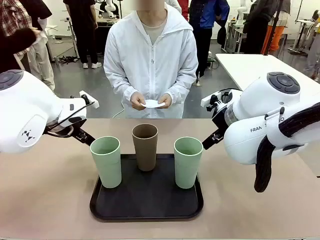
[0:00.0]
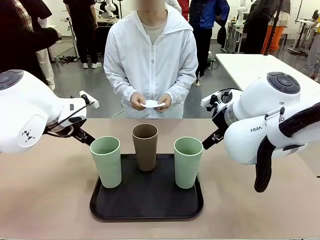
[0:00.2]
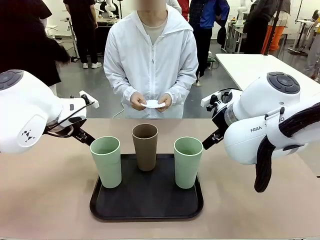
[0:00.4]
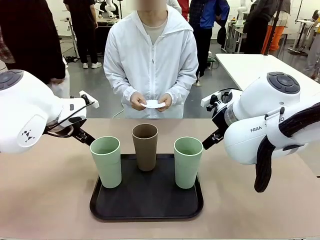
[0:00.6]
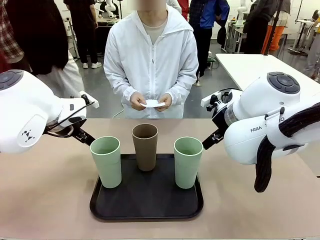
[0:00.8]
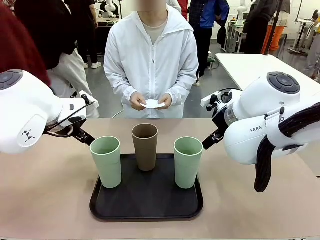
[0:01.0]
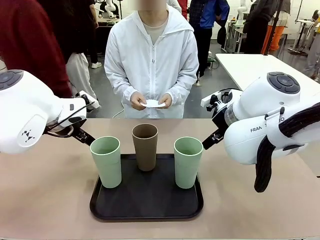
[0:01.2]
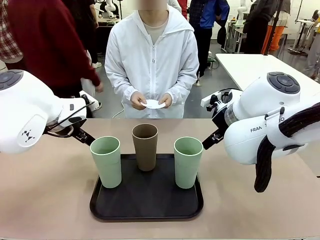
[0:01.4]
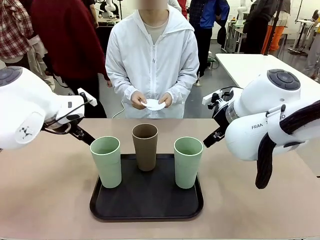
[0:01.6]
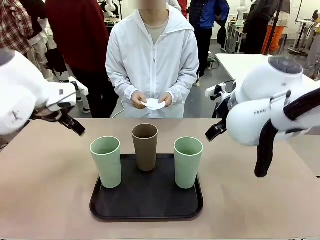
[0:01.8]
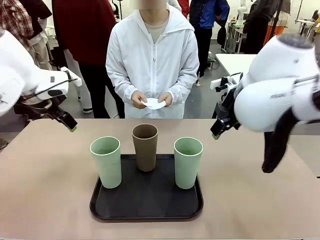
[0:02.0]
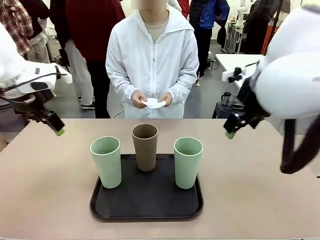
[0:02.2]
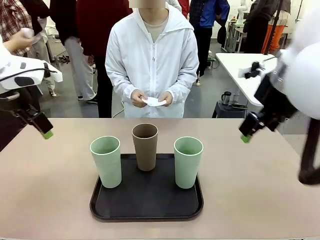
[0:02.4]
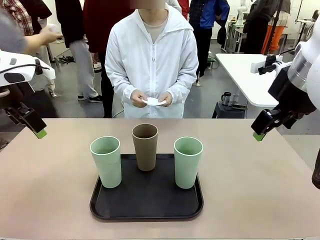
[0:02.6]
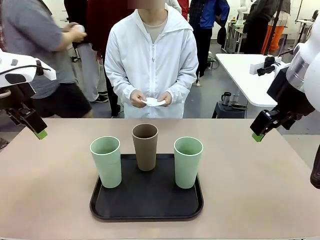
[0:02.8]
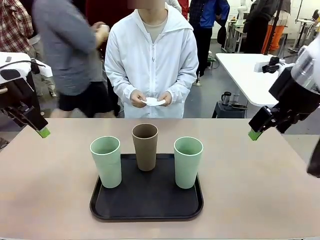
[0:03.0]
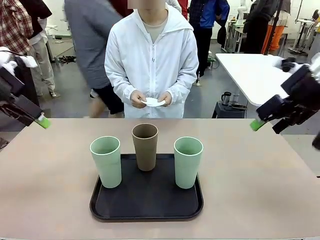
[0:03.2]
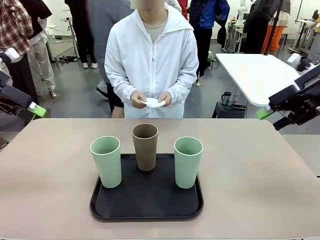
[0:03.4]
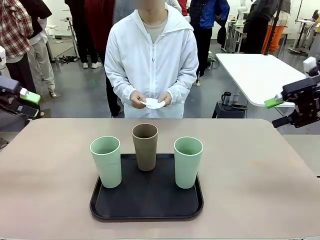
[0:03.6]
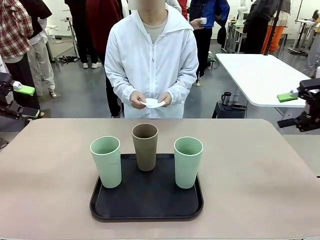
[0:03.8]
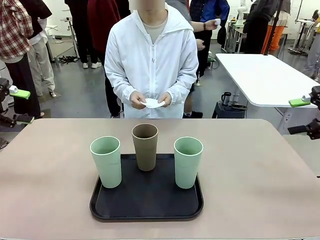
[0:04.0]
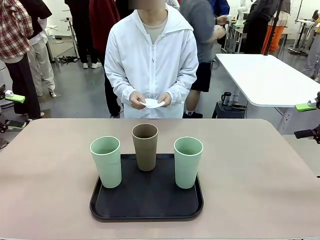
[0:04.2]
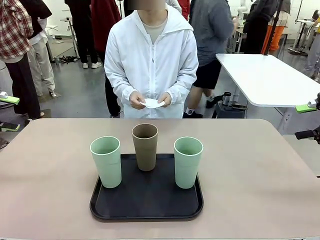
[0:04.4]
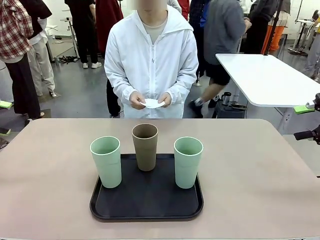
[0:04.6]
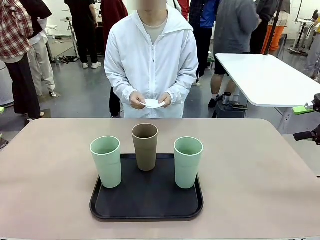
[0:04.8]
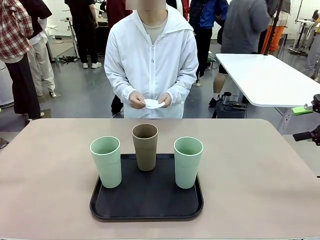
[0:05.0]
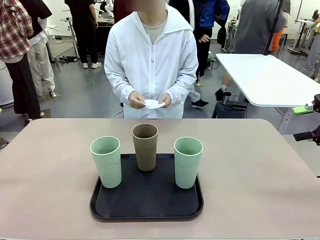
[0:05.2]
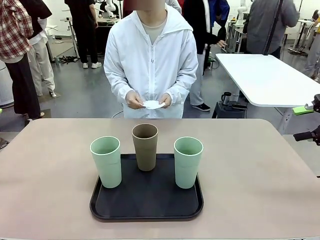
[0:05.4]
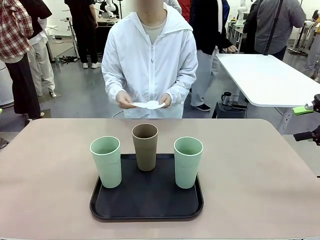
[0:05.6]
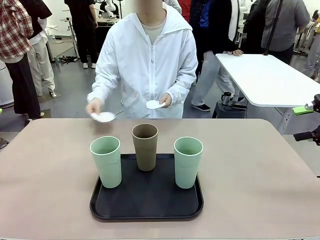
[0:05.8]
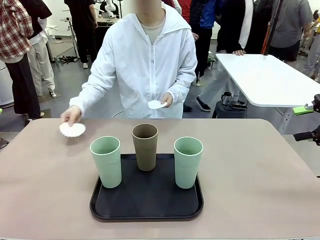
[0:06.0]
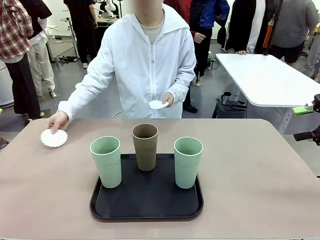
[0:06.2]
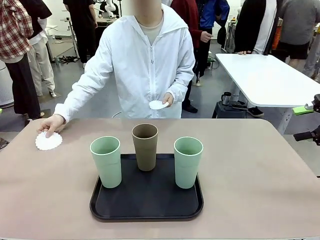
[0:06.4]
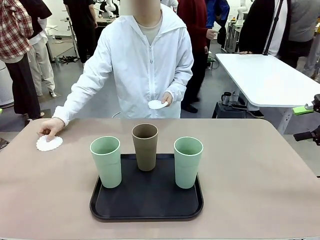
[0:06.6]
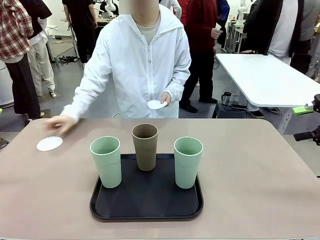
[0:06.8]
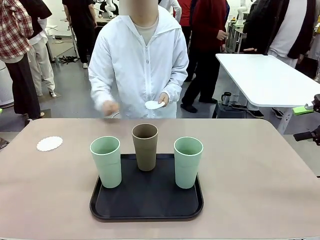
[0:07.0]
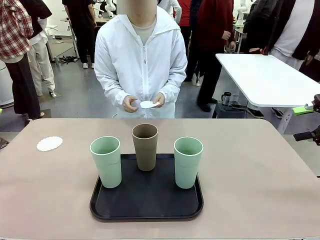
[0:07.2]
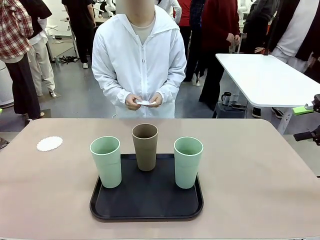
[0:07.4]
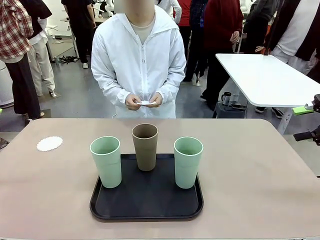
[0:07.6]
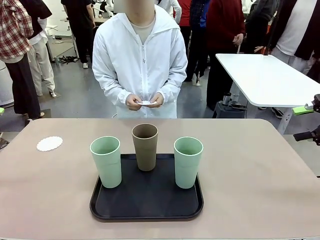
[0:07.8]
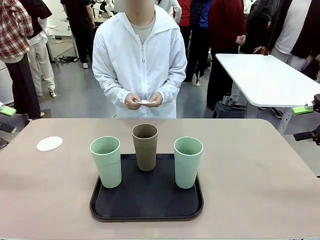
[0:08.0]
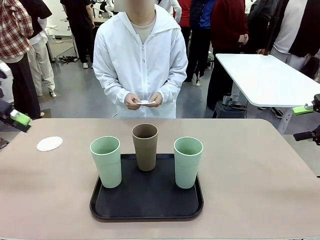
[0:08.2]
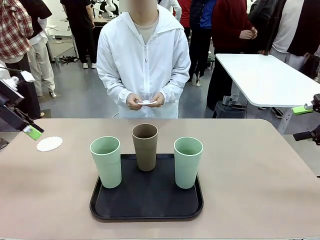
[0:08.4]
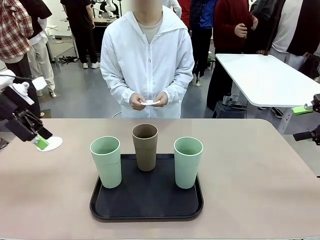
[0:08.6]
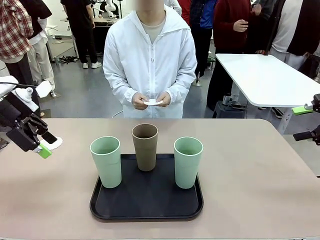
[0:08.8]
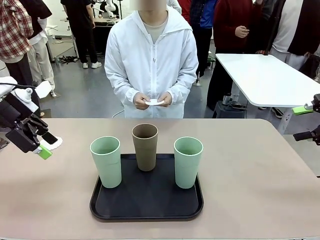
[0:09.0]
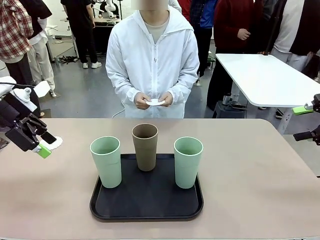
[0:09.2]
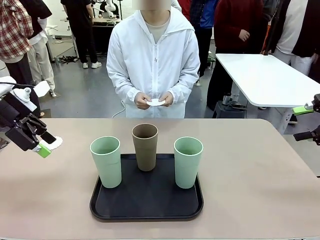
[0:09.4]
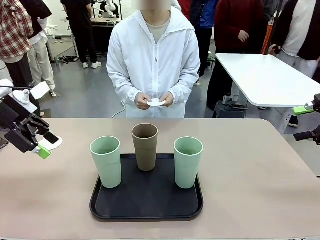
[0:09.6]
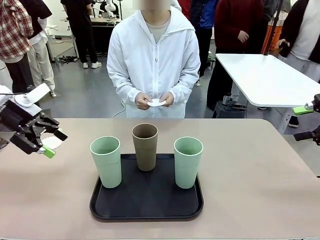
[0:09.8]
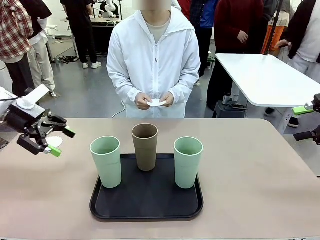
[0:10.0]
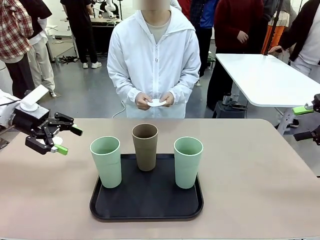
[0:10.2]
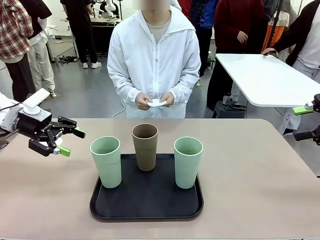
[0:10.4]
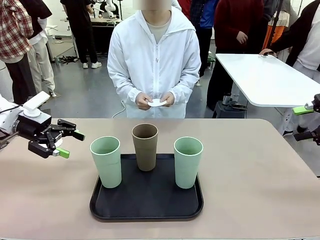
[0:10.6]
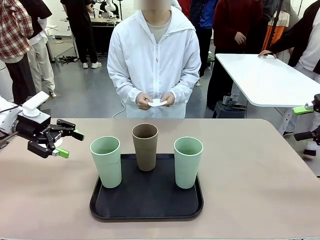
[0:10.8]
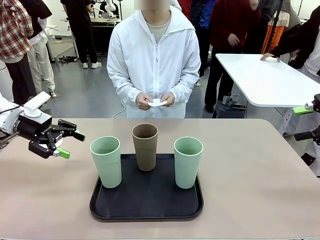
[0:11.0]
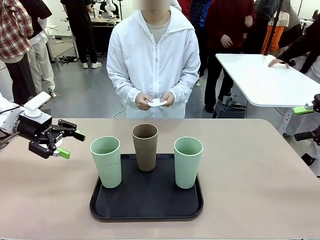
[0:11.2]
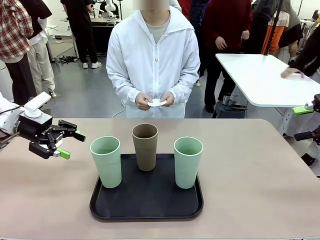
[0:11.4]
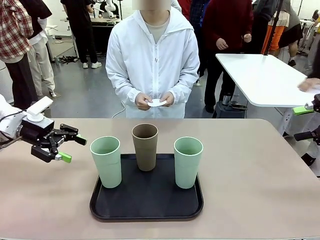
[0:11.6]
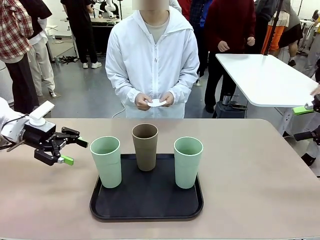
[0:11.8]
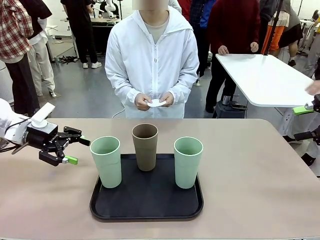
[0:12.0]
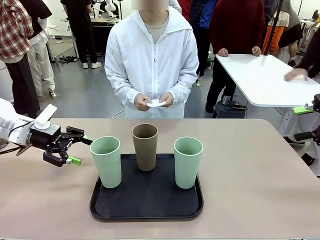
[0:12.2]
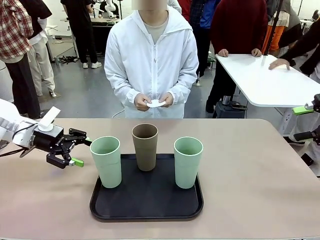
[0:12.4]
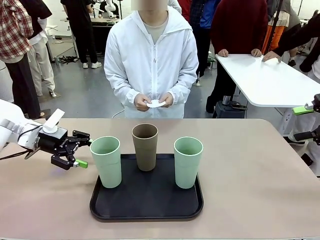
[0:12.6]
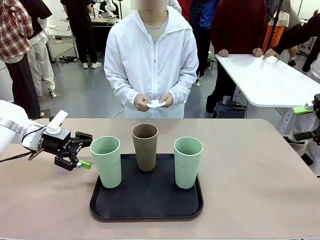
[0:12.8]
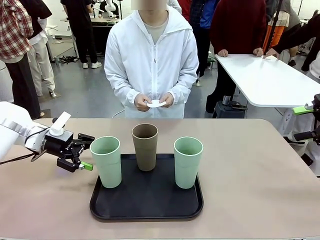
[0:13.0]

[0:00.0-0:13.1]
Task: Place coasters on the table and set cups on them.
Robot: Pick up one Reusable plastic cup and place it on a coaster set by the human.
Person: Place one coaster in any one of the three lower areas of the robot table (left, center, or right).

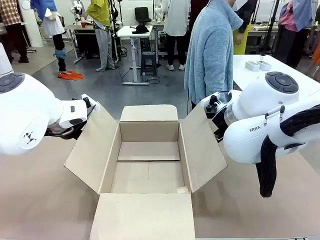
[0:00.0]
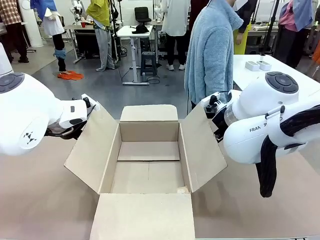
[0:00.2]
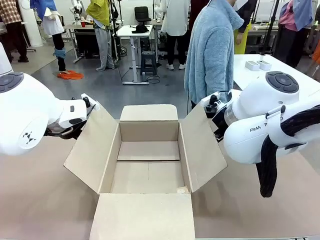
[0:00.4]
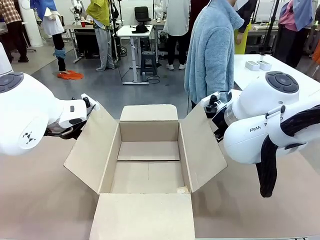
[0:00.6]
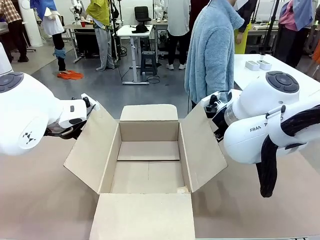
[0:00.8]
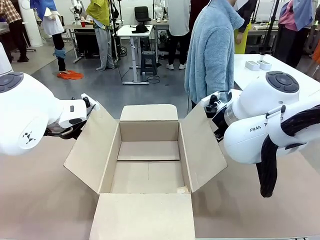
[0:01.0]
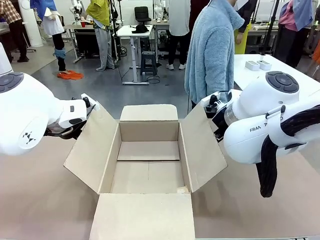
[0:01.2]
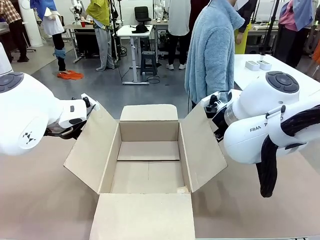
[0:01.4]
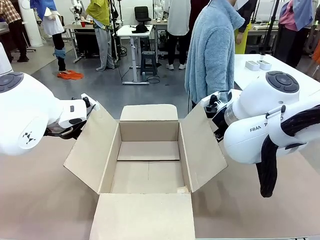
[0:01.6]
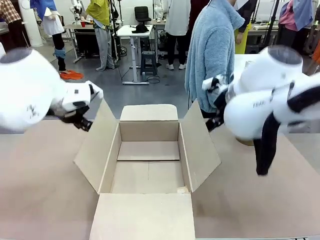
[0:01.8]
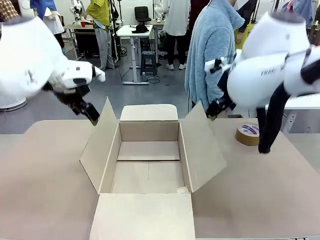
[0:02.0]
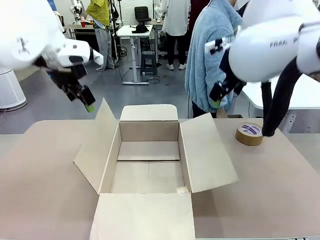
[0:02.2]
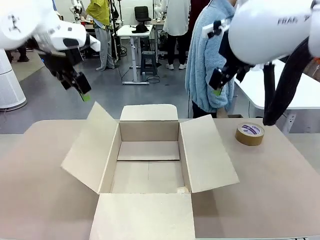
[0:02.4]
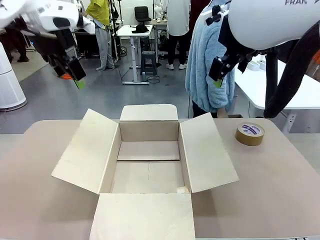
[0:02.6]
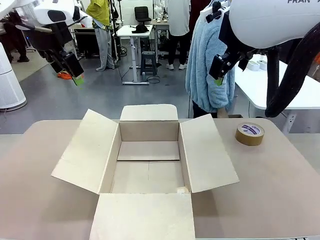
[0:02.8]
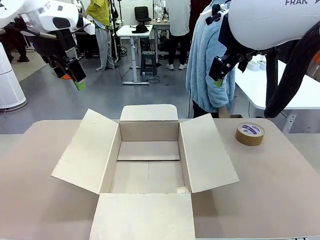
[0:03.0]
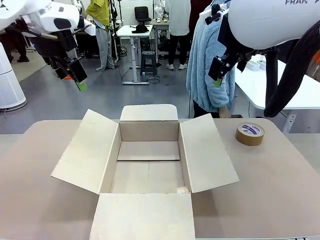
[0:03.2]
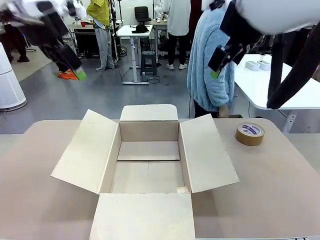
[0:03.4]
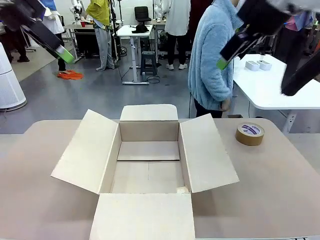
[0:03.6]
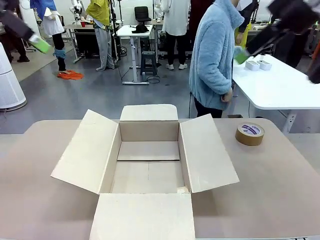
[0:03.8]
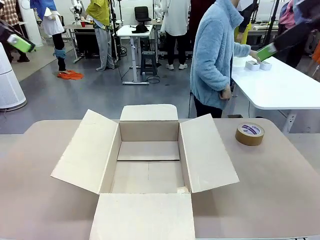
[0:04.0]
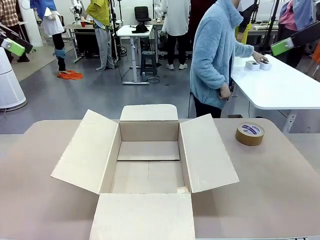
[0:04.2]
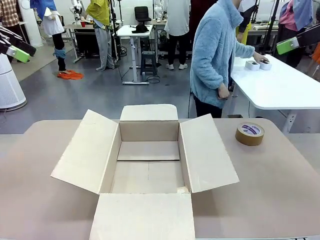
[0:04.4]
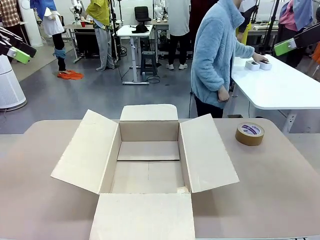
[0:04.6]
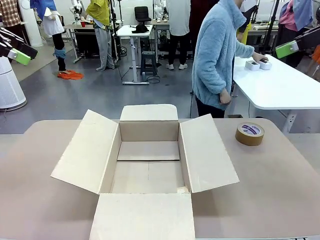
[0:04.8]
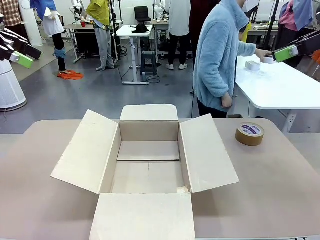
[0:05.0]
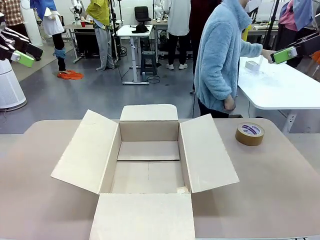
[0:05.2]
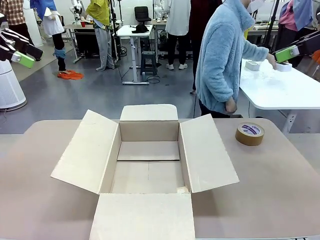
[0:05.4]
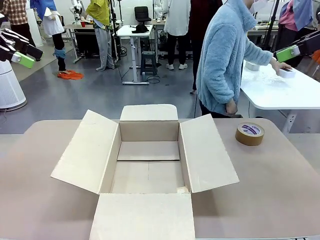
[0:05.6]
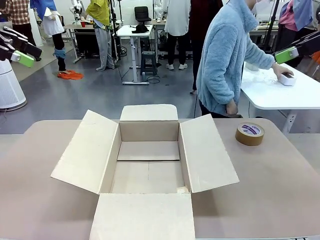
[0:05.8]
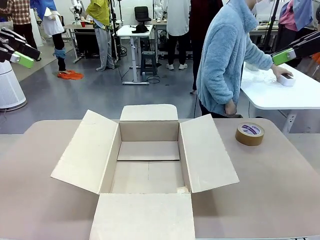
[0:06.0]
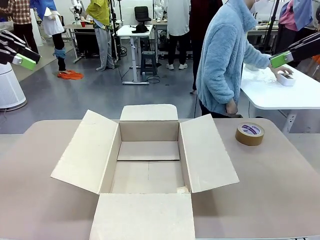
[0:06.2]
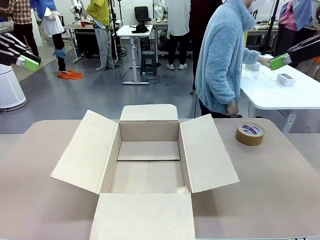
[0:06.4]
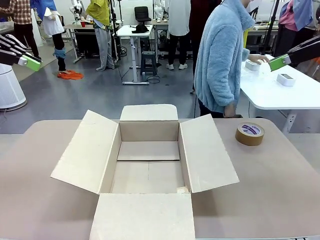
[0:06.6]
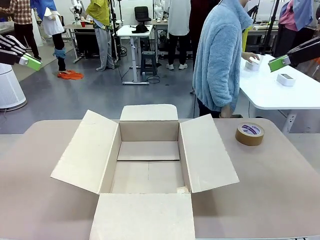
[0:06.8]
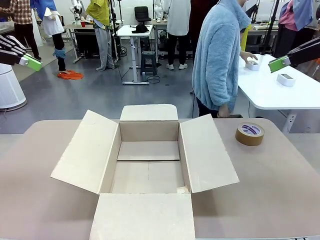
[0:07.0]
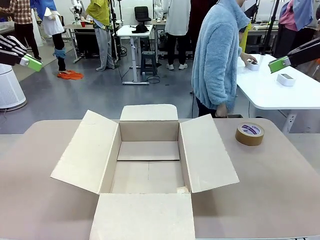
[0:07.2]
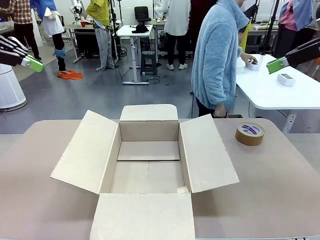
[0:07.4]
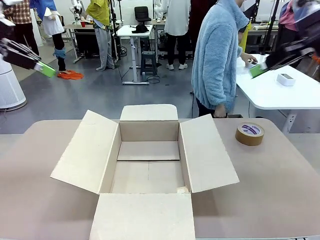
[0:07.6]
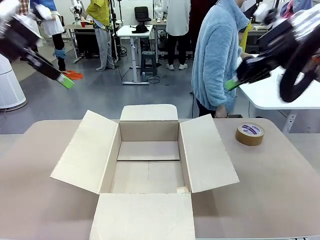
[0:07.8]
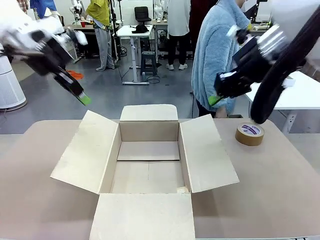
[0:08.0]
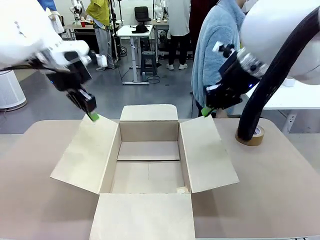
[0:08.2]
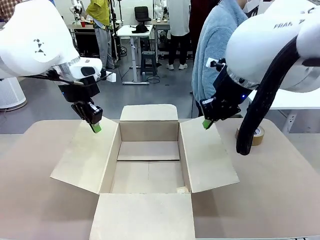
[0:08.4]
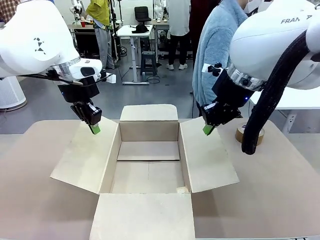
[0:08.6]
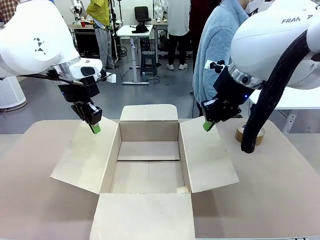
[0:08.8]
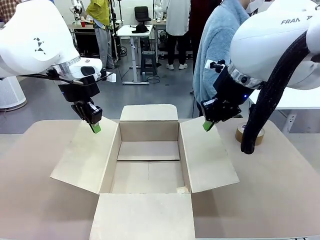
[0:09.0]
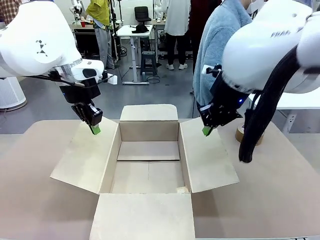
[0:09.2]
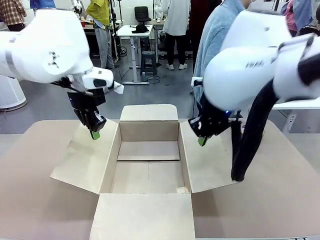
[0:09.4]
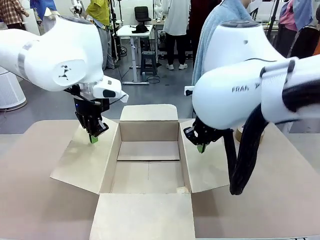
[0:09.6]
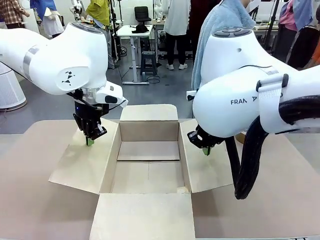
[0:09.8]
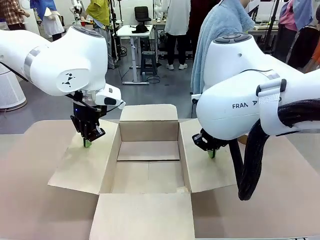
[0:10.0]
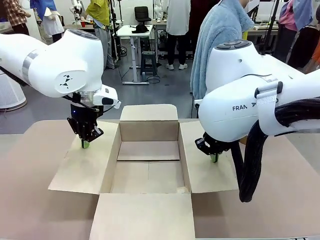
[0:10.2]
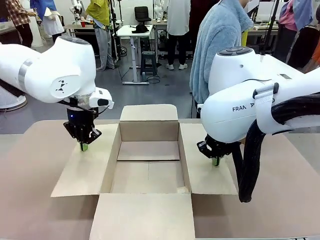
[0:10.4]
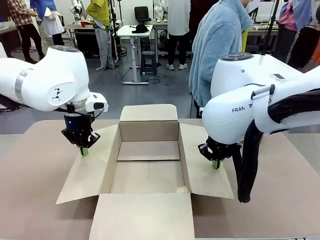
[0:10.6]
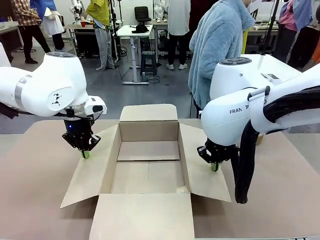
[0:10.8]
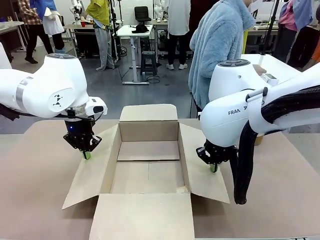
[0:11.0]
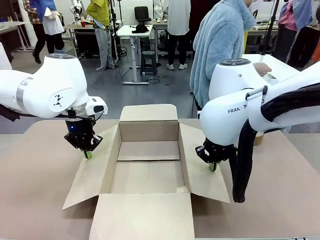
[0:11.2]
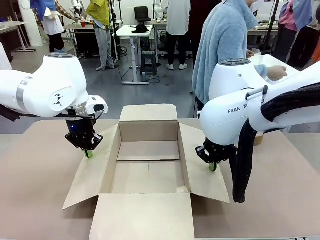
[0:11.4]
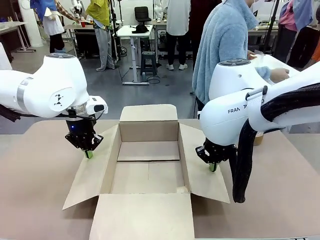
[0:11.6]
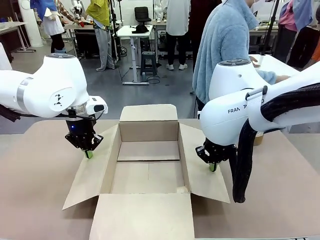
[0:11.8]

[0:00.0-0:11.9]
Task: Wrap the clocks to prevent damage.
Robot: Open the side flaps of the Package Box.
Person: Wrap the two Digital clocks with Bubble Wrap.
